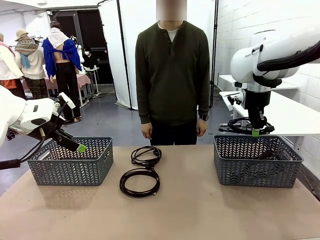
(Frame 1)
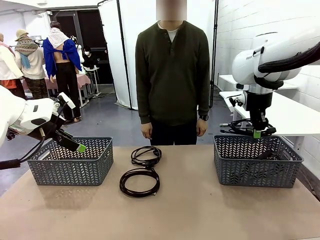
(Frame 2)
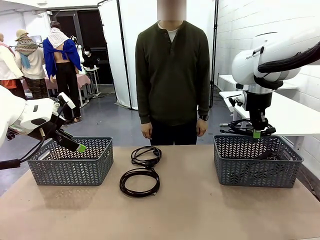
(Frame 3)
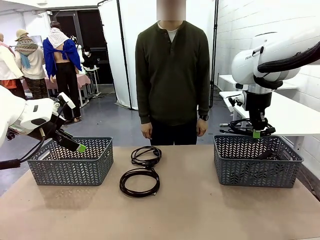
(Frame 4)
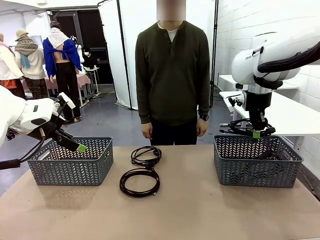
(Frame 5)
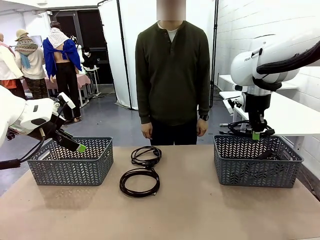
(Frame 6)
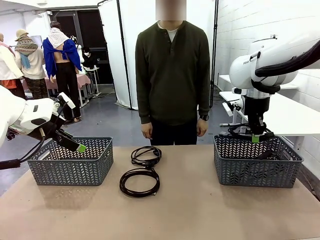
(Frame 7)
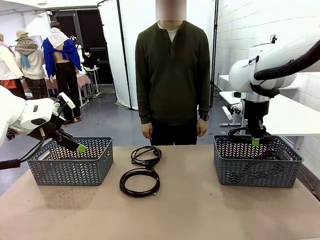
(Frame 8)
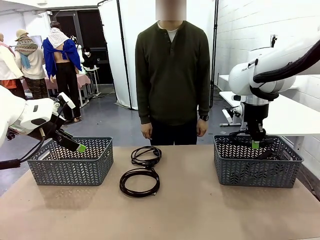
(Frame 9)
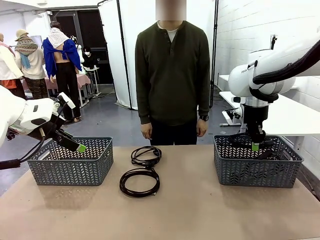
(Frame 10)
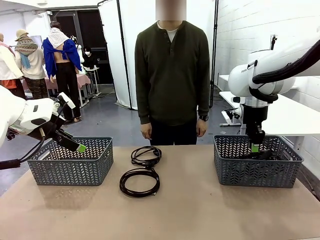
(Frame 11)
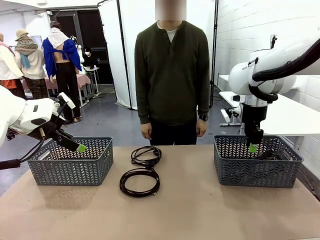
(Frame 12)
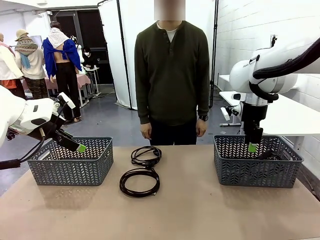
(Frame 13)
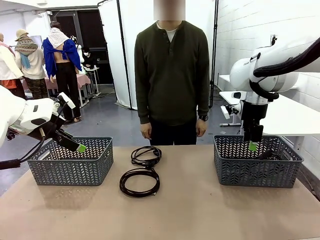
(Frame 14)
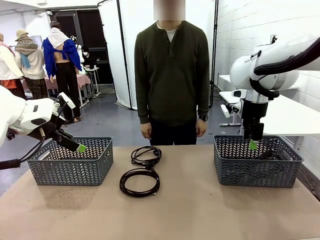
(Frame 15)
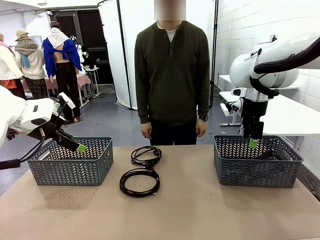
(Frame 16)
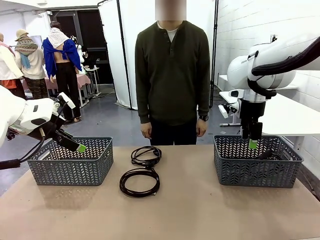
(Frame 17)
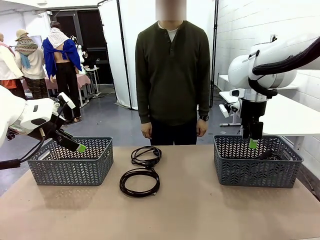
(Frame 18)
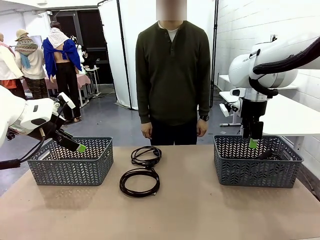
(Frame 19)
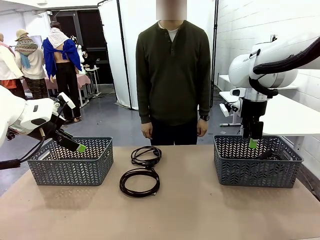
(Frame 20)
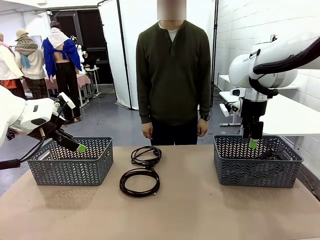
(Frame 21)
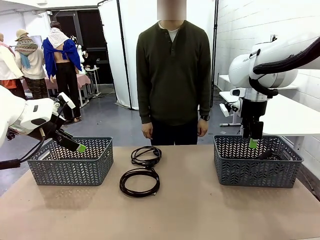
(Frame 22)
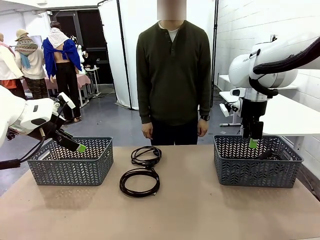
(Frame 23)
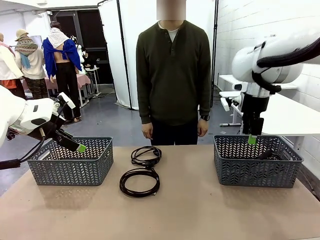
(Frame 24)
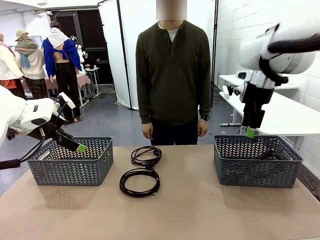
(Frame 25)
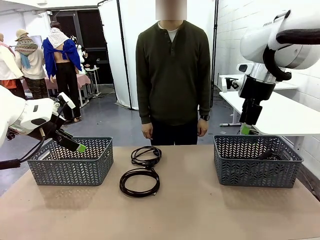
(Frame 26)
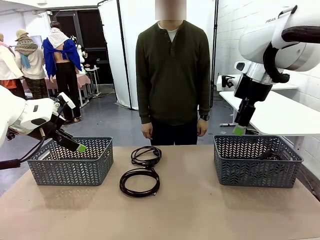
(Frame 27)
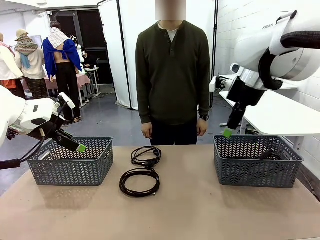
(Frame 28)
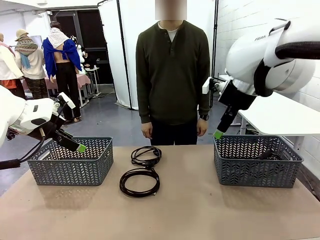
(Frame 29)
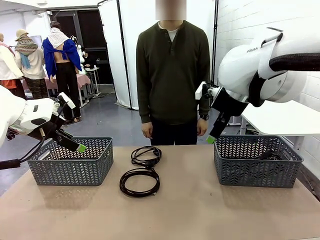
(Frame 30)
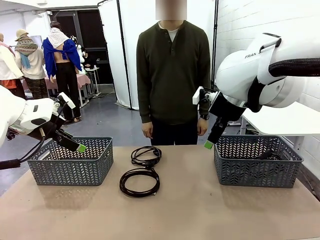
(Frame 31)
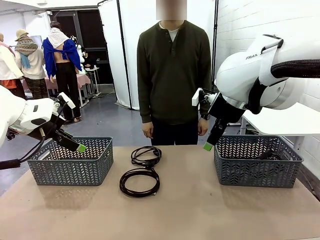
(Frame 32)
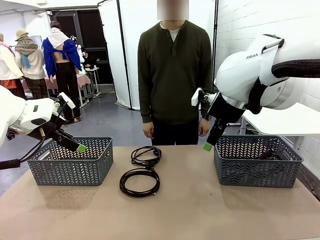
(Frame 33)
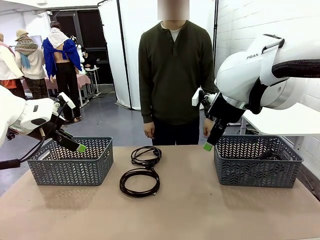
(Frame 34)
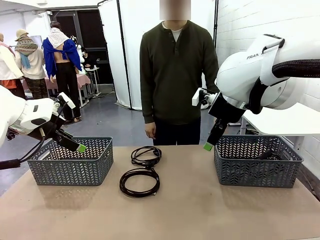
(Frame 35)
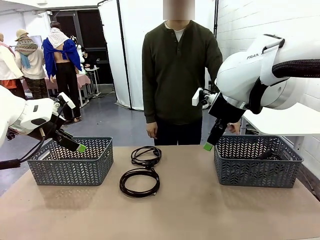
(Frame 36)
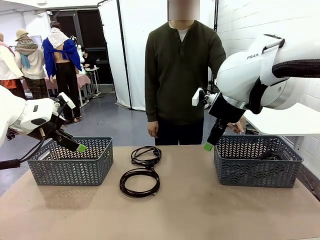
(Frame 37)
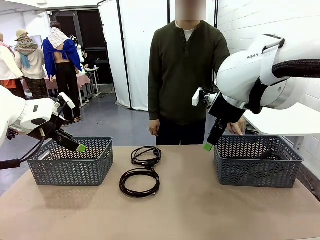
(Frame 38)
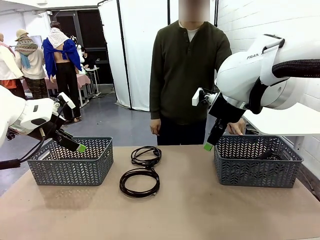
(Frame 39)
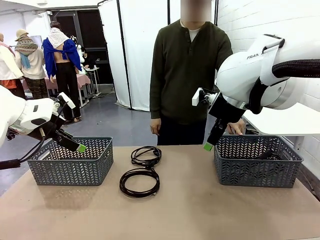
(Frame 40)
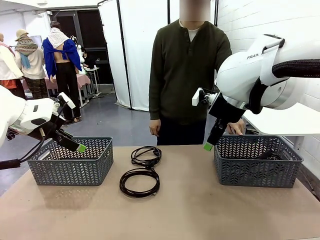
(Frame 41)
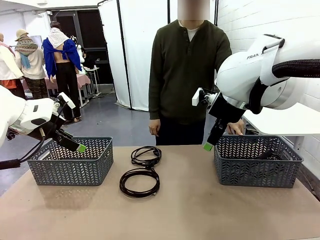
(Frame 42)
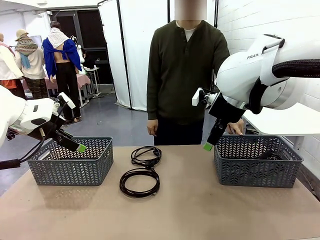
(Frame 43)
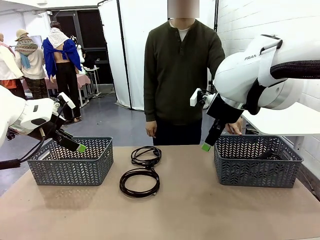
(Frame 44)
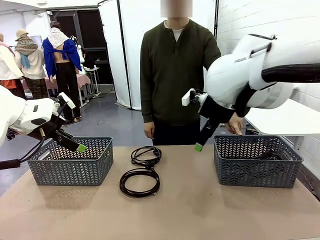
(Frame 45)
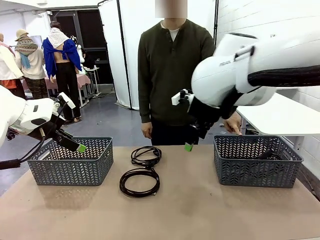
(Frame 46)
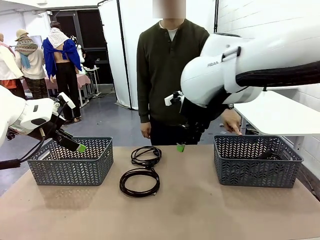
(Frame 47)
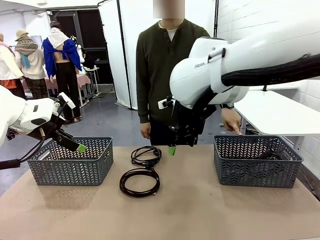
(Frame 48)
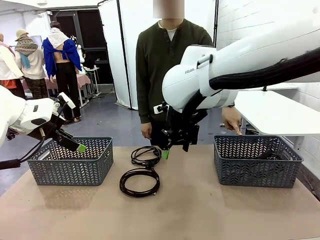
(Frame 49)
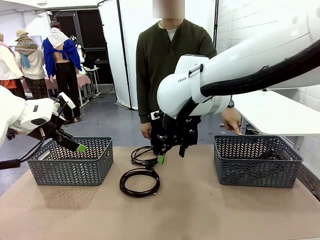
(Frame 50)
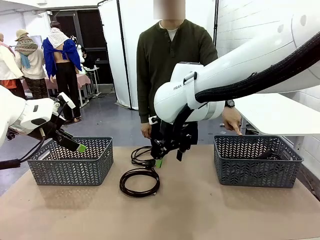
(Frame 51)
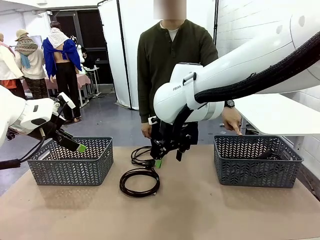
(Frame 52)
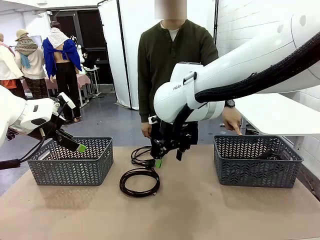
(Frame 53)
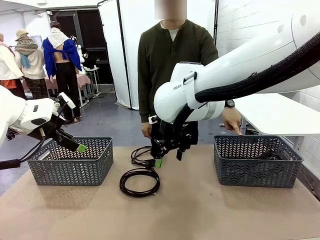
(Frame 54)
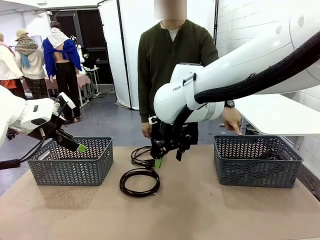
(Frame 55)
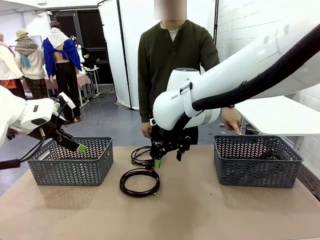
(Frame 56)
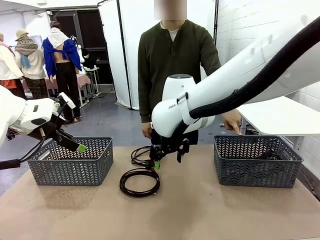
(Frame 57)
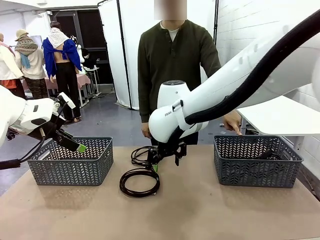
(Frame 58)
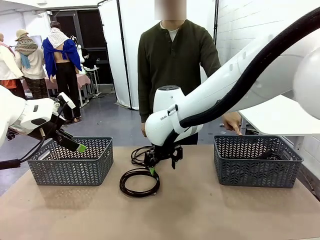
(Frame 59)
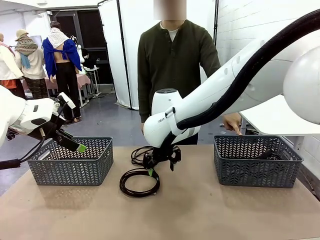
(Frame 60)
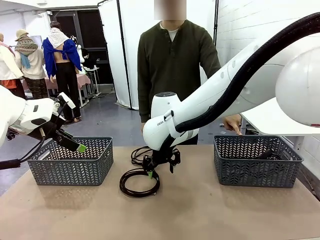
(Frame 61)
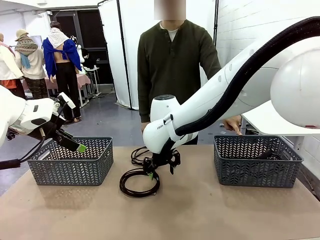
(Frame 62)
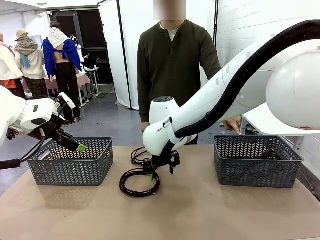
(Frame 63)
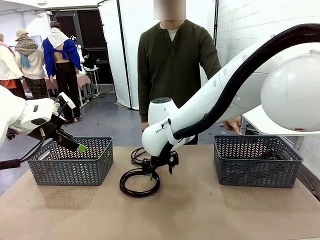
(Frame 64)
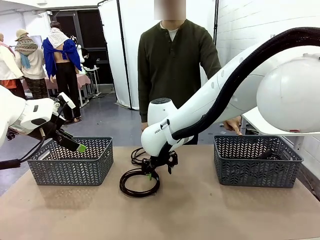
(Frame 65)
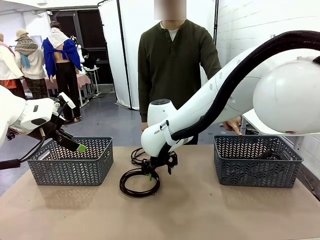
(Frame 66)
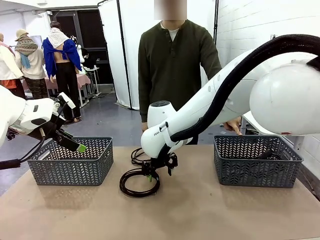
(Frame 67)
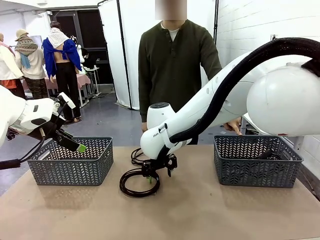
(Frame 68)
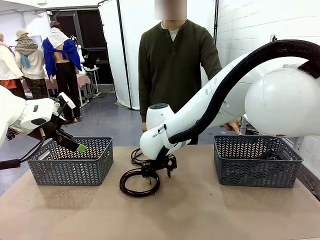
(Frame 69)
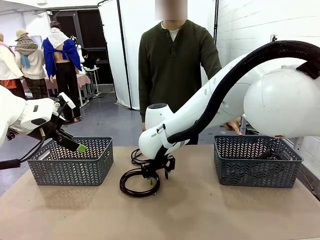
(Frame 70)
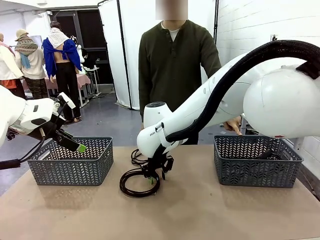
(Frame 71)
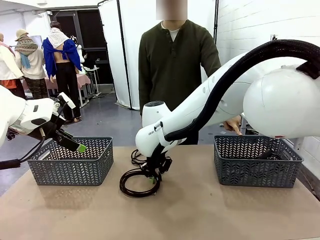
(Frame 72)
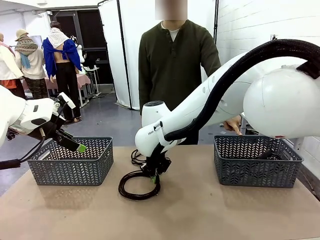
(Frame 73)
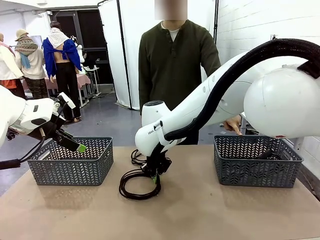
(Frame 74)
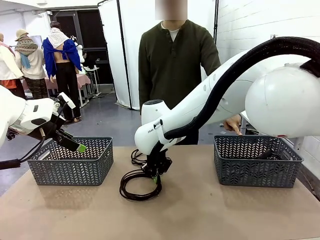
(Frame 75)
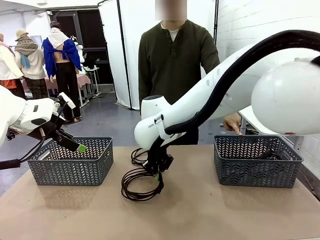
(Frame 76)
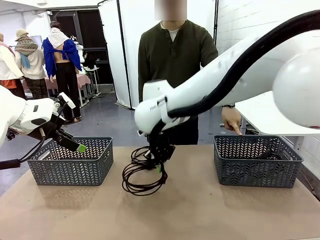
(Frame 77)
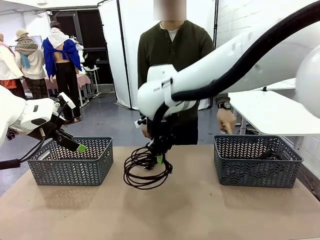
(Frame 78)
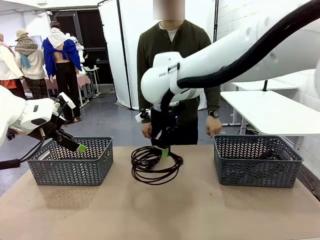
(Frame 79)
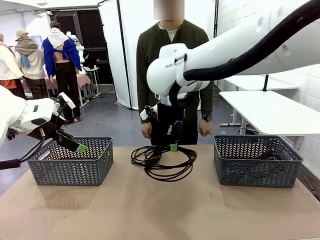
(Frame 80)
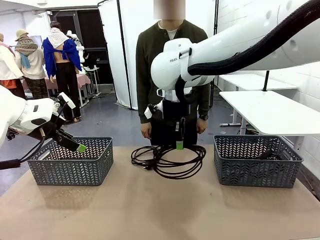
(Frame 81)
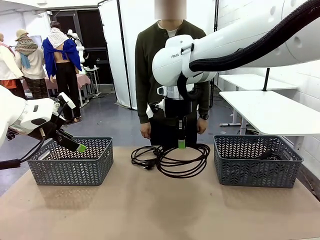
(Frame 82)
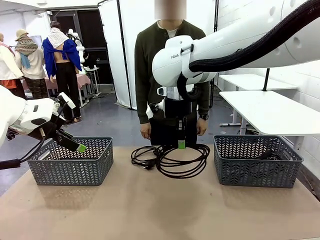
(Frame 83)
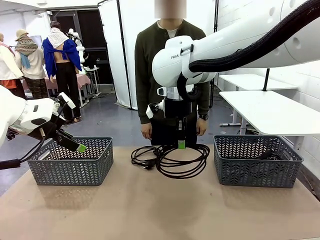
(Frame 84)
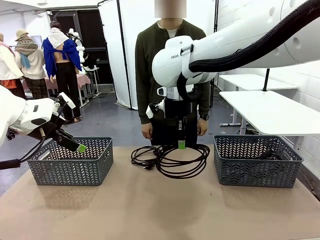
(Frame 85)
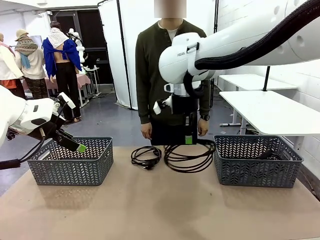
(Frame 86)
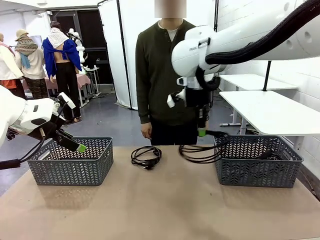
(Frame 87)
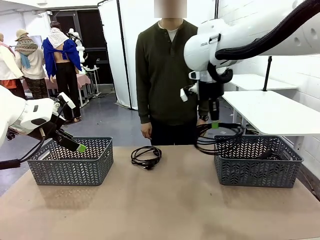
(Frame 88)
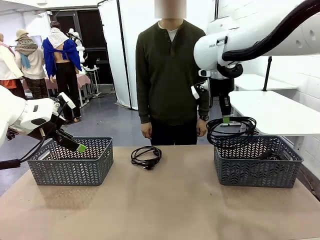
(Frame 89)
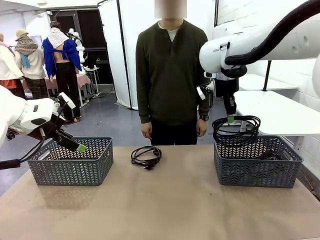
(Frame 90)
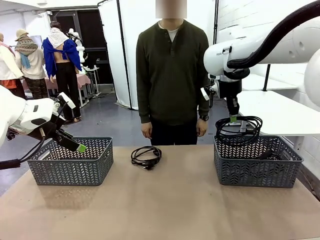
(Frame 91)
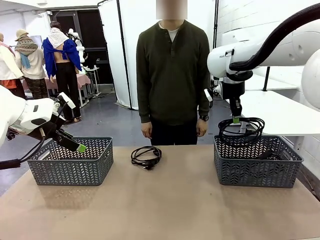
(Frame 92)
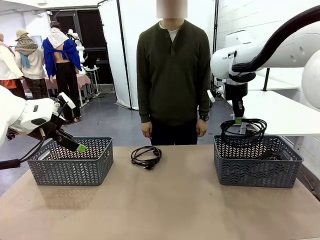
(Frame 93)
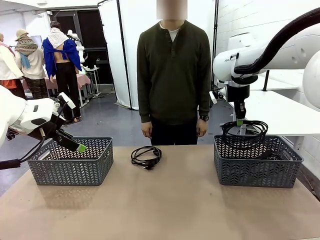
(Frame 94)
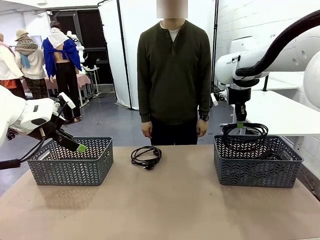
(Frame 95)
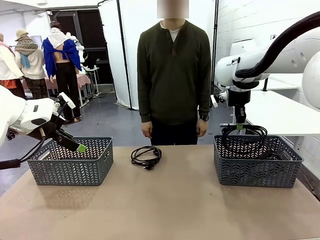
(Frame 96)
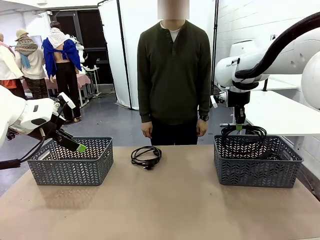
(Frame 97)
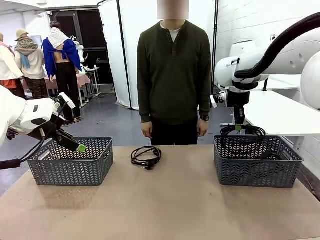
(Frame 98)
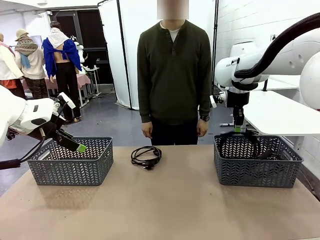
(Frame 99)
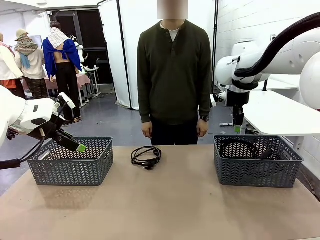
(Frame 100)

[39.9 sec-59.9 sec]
Task: Organize the cables according to human instructions.
Robot: Pick up a bundle of cables and place it in the basket indicated by the human.
